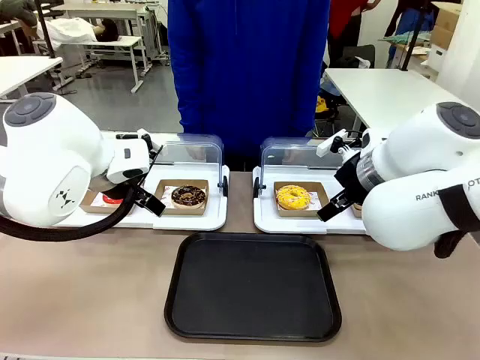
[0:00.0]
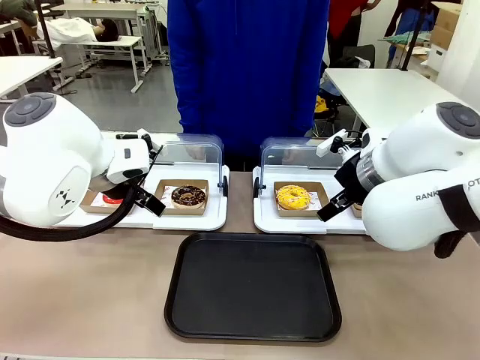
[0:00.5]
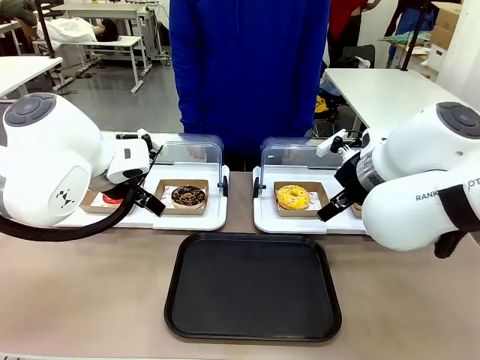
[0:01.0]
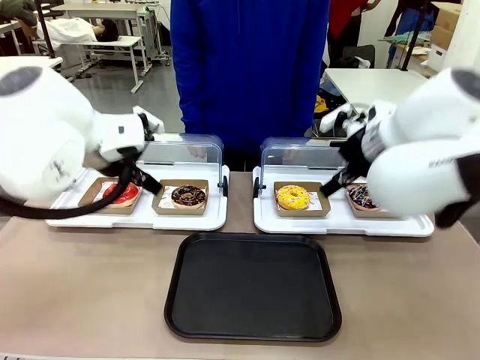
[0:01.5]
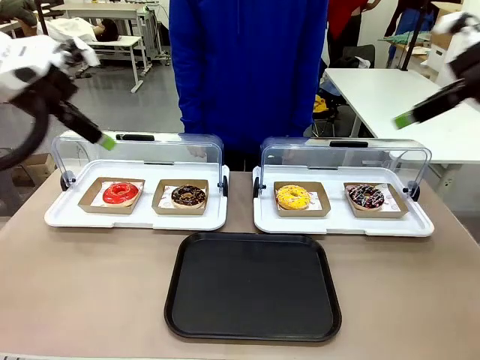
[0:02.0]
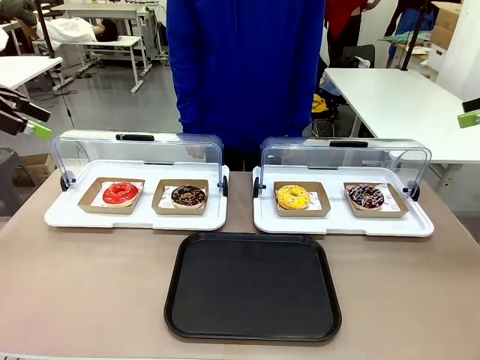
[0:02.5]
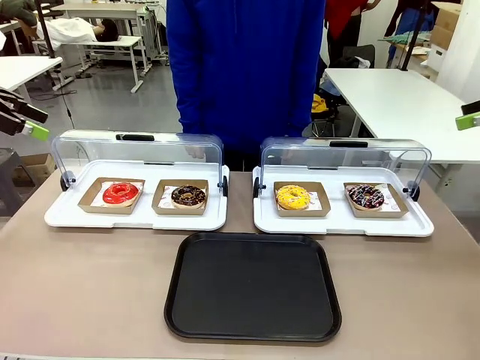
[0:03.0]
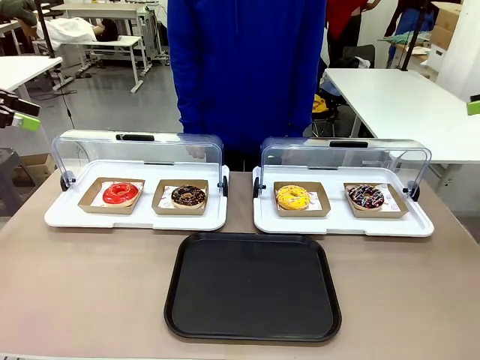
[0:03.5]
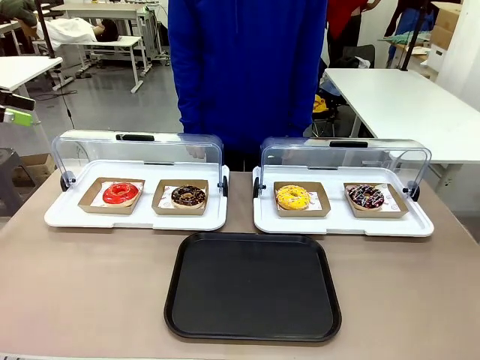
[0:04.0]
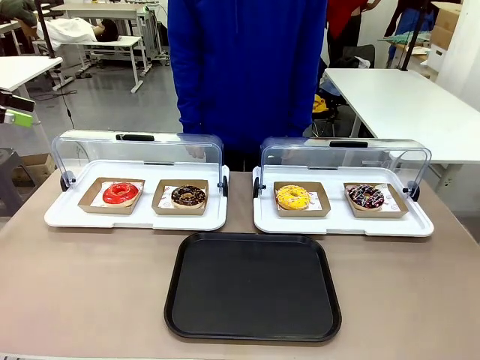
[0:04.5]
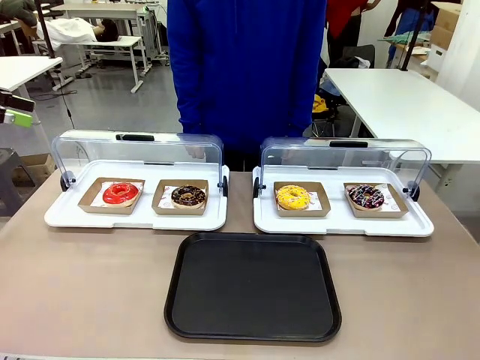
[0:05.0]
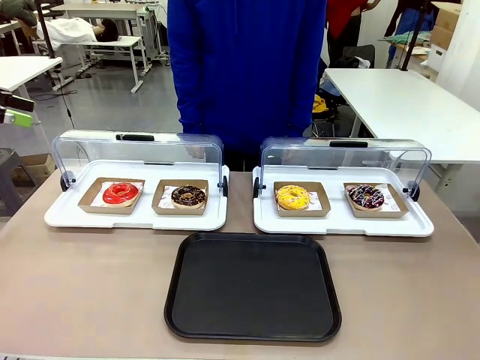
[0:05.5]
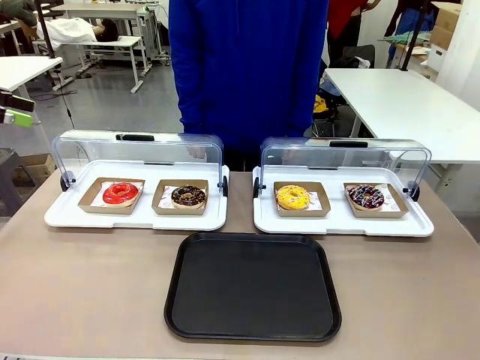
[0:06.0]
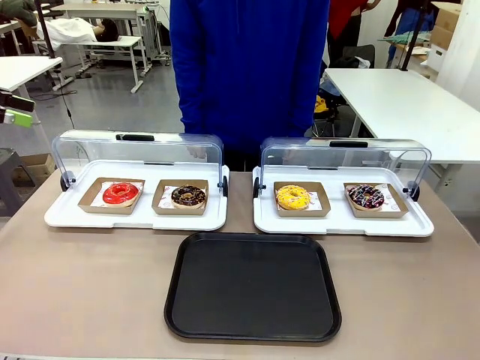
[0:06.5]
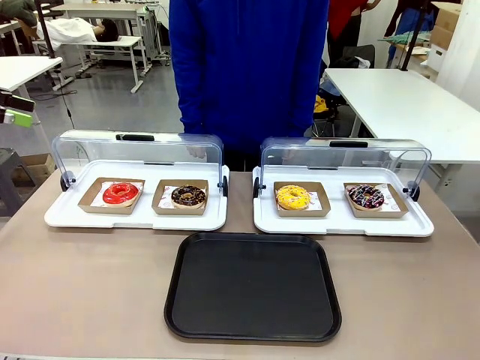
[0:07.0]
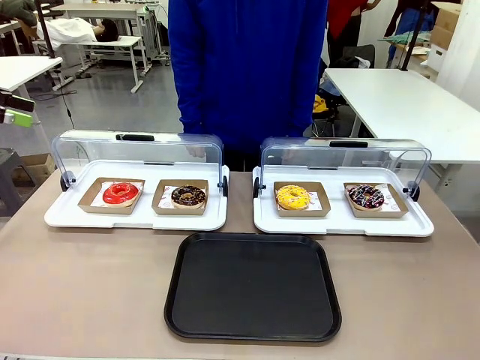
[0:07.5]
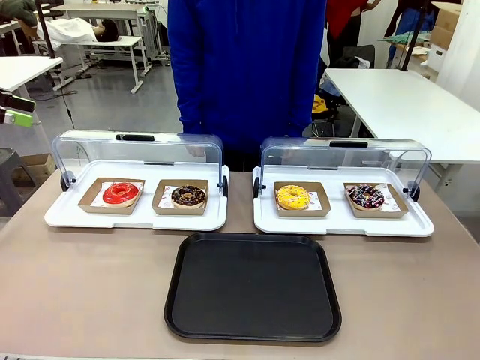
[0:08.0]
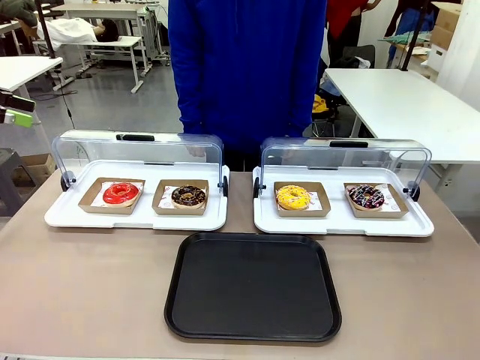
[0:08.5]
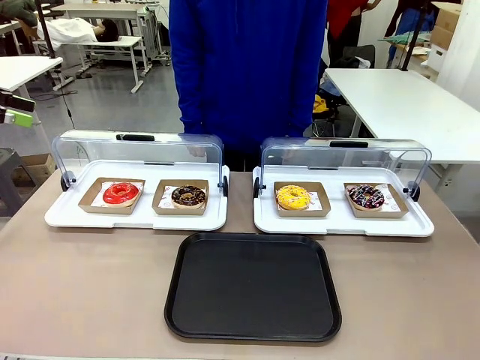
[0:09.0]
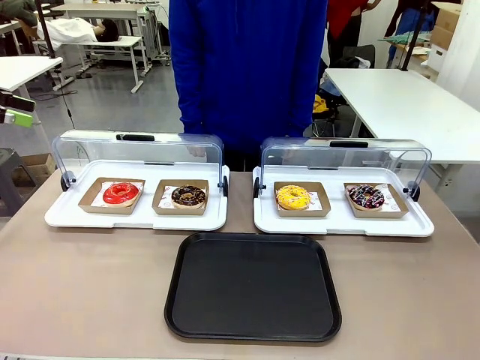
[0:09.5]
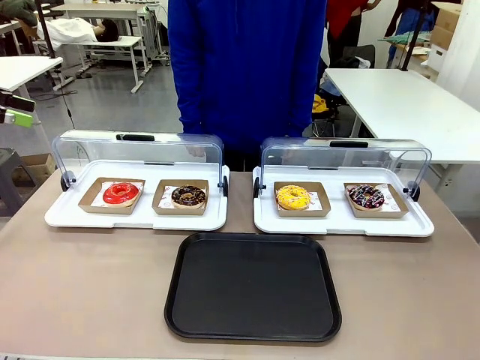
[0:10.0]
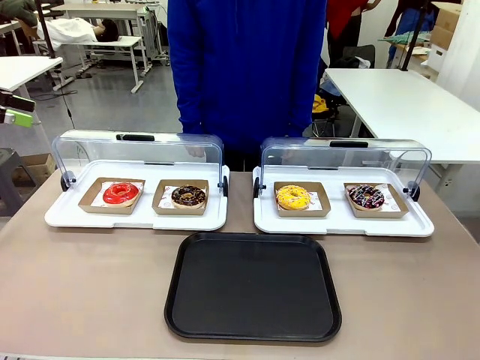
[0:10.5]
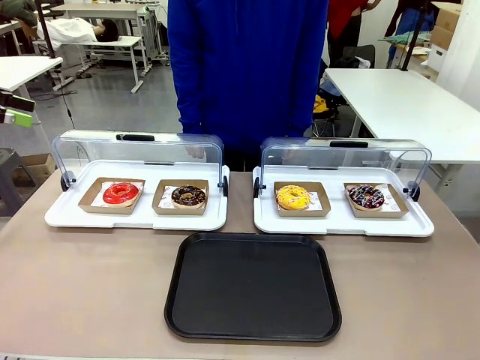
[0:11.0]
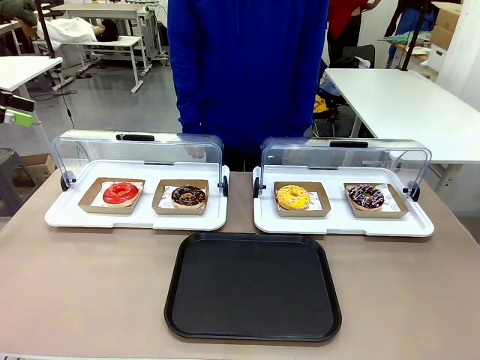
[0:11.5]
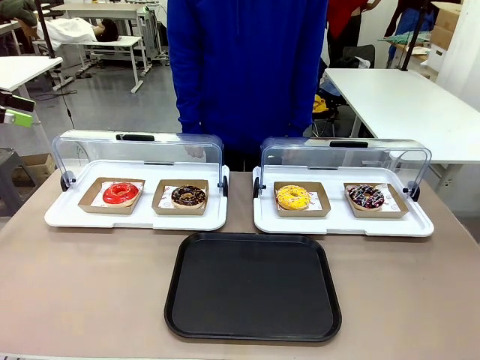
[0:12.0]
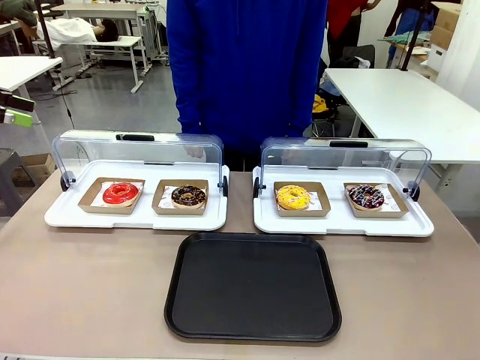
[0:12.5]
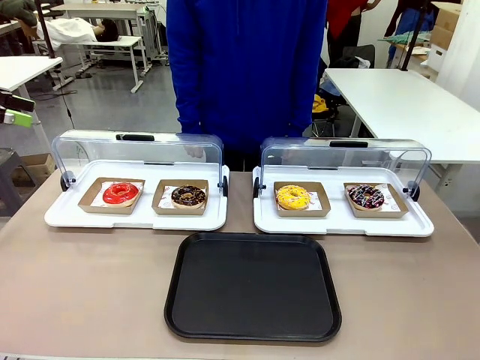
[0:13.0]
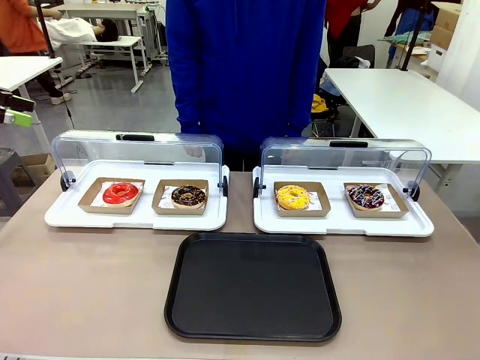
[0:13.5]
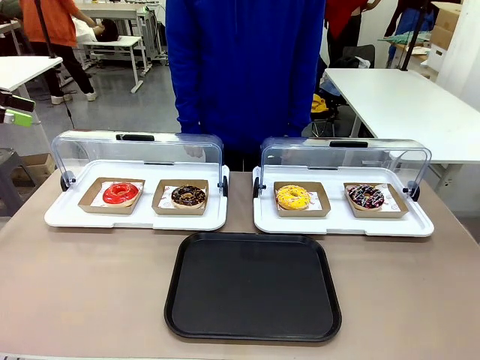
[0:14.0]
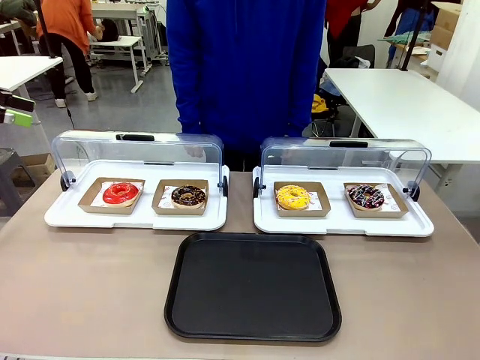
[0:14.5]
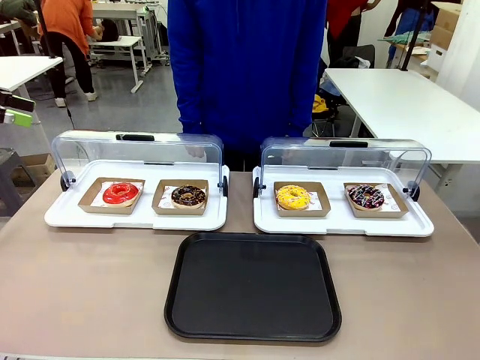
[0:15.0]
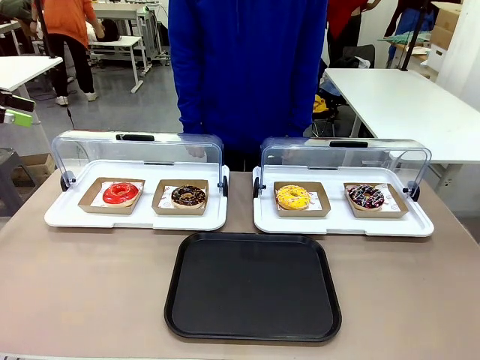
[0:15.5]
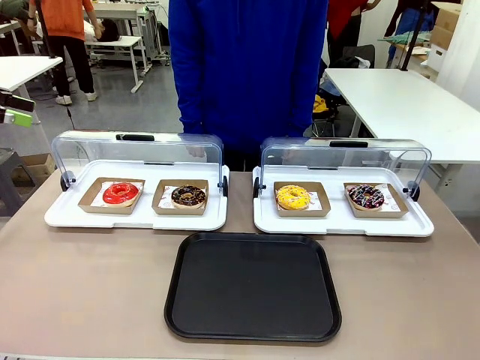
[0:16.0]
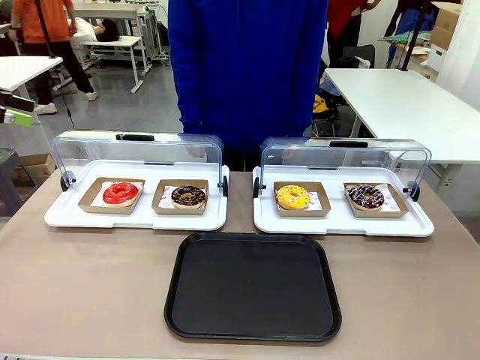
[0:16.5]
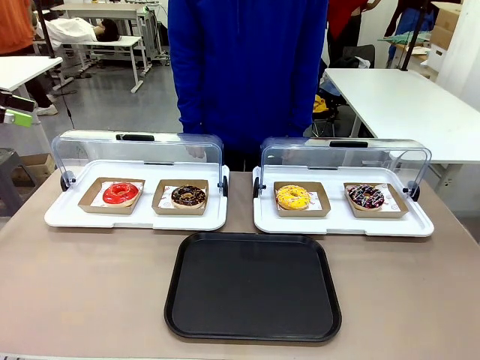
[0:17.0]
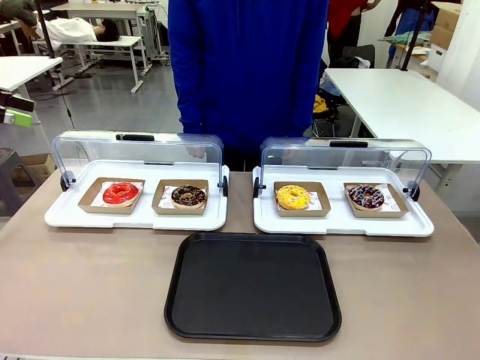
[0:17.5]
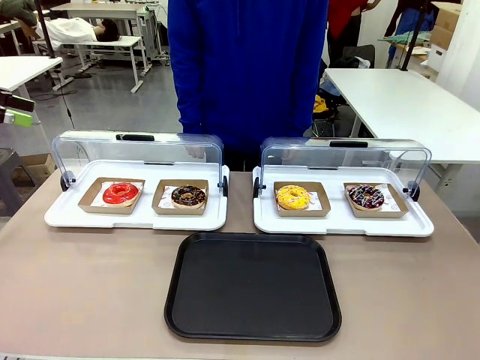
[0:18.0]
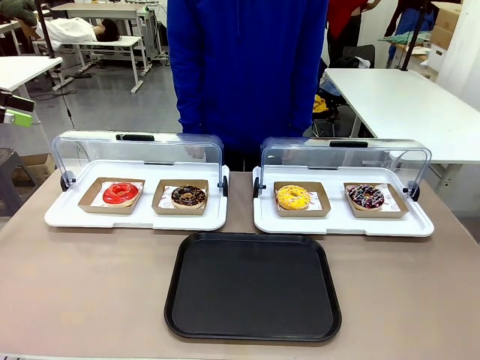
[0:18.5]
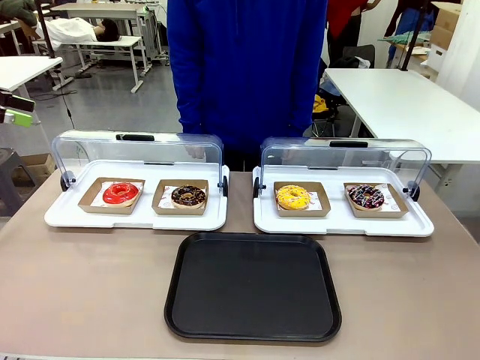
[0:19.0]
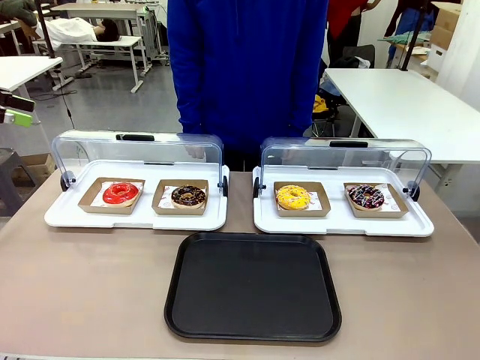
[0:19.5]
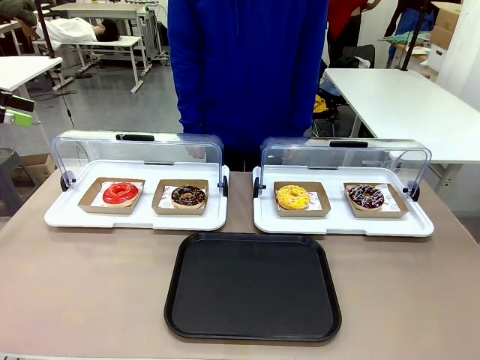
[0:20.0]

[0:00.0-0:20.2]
Task: Move the first donut from the left to the tray.
Robot: Pick up the Paper togo box containing the Donut indicated by the person and place it on the Handle tray.
